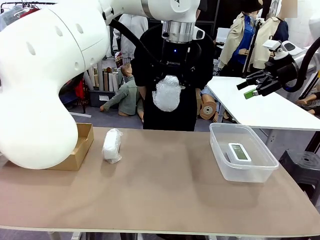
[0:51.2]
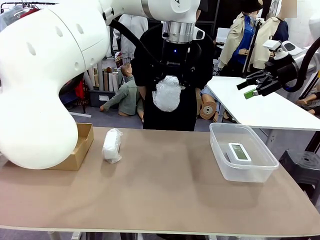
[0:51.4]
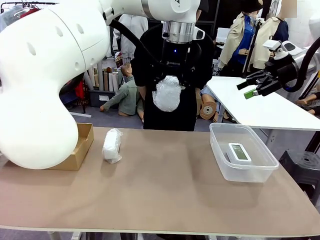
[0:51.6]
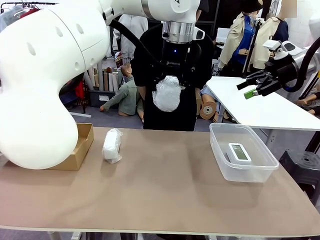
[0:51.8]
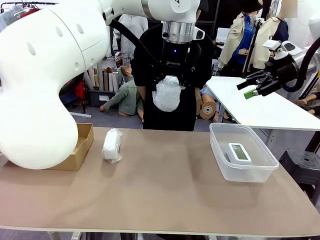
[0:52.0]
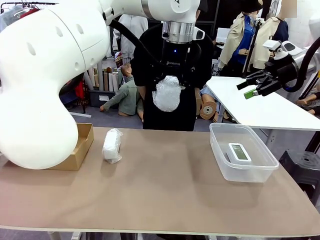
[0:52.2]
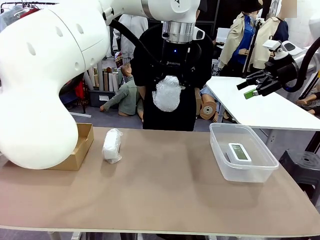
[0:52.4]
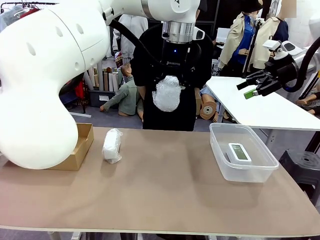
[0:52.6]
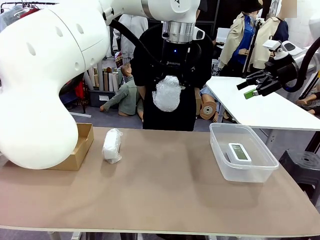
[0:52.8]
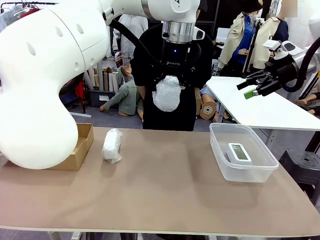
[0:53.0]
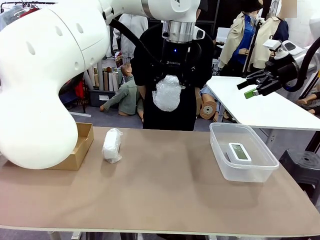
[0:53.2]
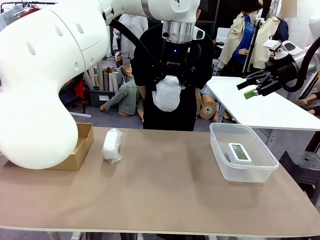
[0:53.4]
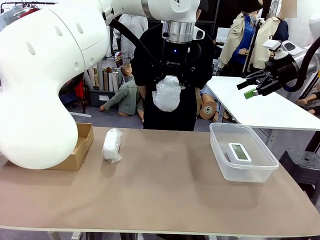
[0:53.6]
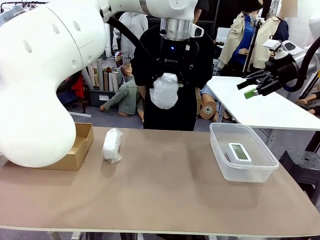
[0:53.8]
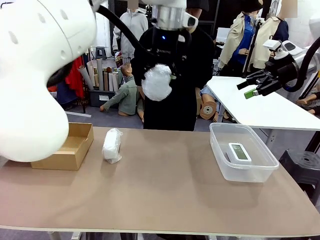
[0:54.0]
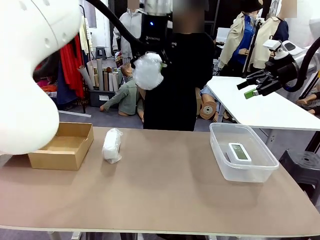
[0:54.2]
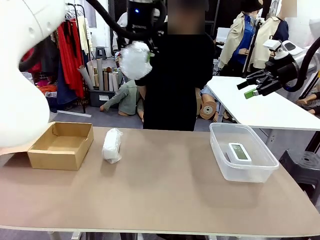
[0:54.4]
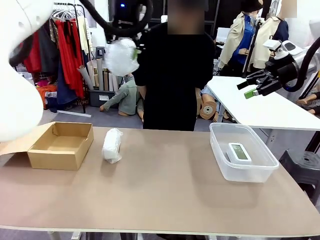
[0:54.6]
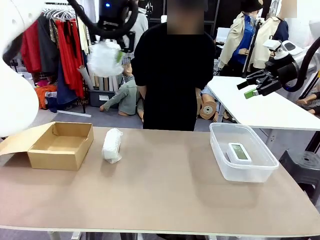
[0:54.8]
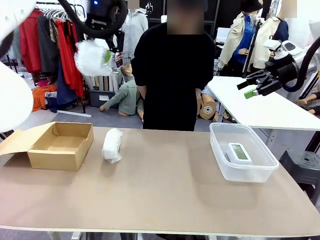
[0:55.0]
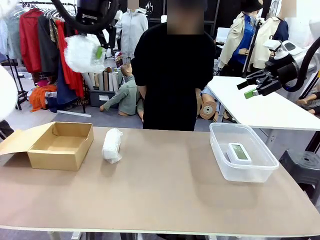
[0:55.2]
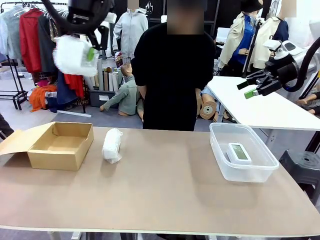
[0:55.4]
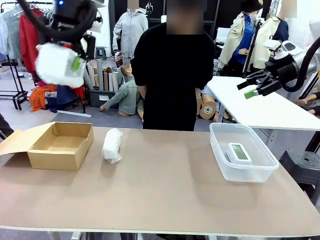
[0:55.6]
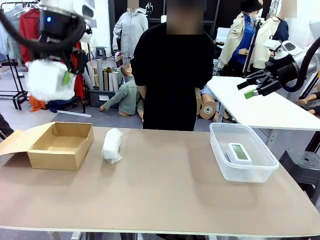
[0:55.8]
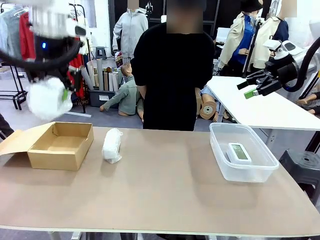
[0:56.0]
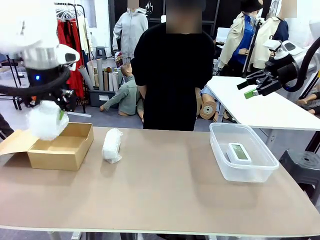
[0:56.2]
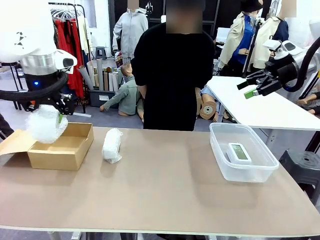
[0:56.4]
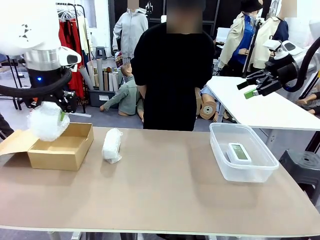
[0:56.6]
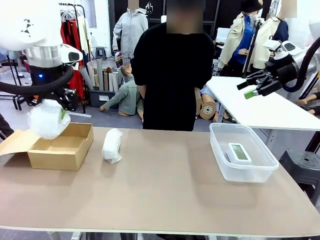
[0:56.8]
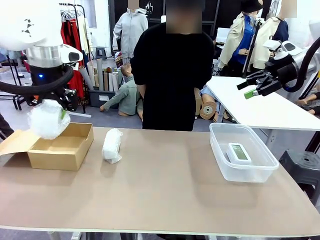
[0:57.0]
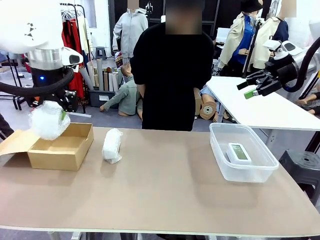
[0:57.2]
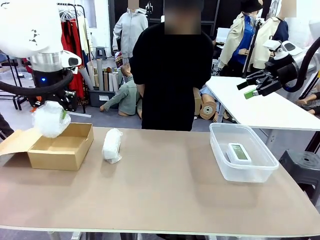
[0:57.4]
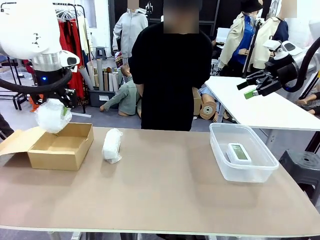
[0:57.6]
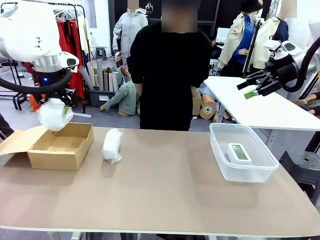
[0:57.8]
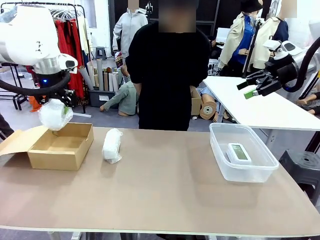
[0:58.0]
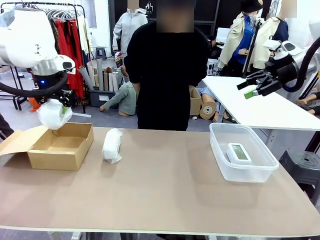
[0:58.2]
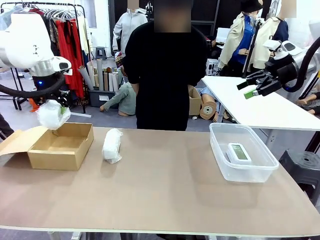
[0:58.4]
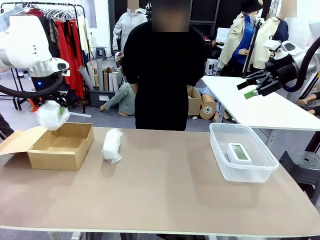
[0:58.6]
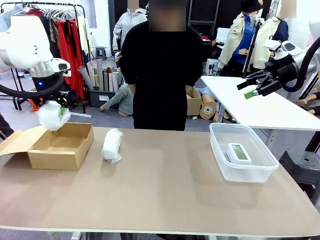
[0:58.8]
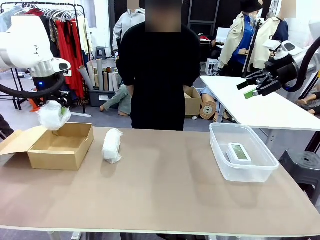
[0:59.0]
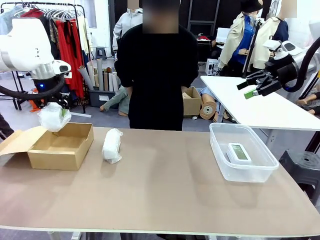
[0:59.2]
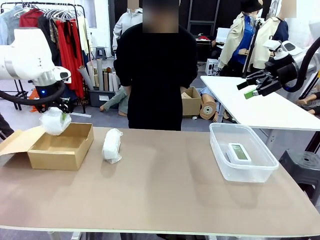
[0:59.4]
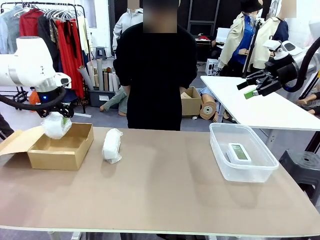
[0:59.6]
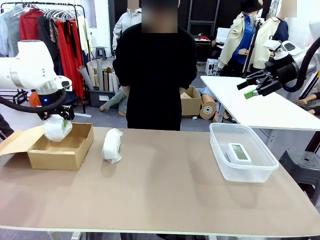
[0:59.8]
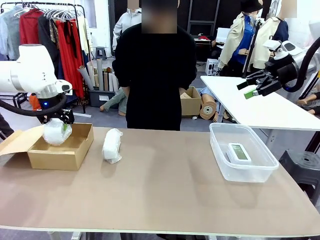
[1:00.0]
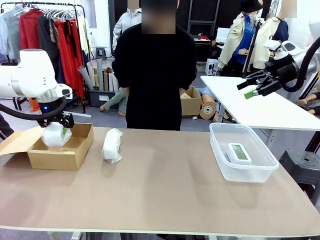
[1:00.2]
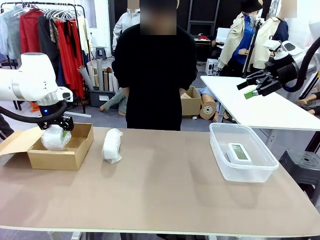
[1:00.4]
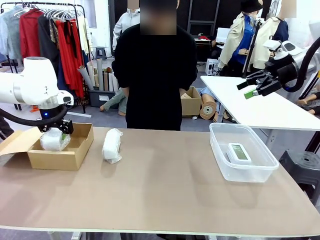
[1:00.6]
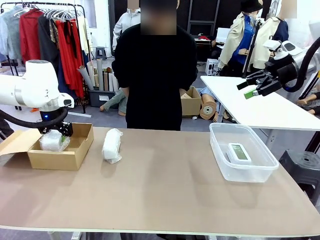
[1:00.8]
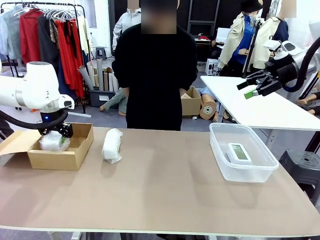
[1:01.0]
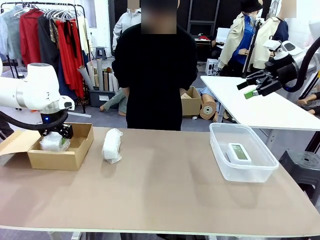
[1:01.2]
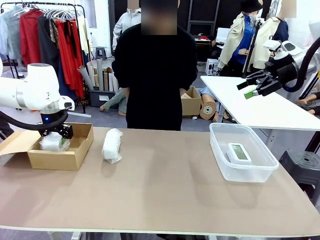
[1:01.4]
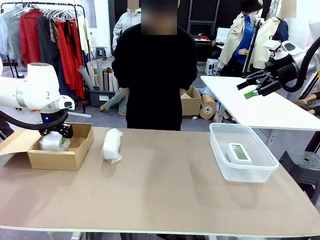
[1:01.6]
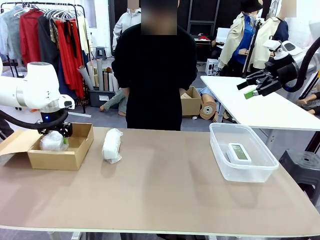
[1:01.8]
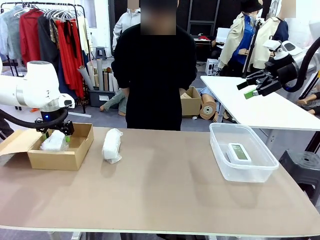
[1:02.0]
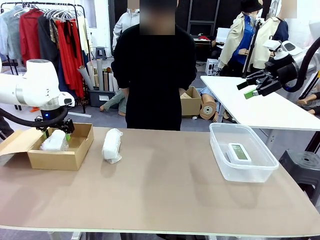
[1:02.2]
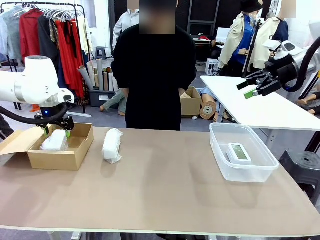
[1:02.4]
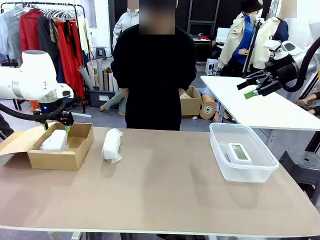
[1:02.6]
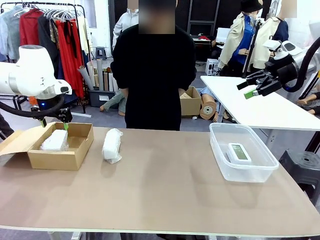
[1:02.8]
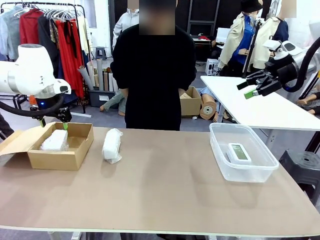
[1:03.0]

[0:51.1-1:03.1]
Task: Separate and place wrapped and unwrapped clocks.
Robot: If the picked Digital clock is wrapped, place it in the Package Box ; if not, place it in the Organizing box.
